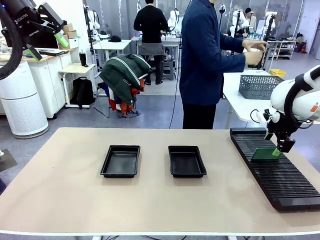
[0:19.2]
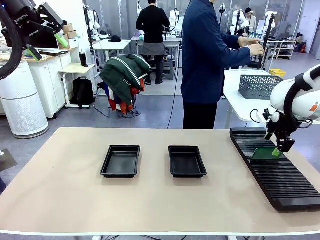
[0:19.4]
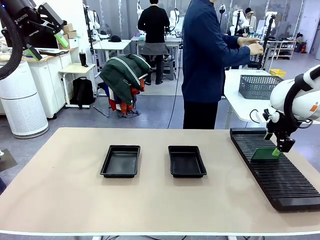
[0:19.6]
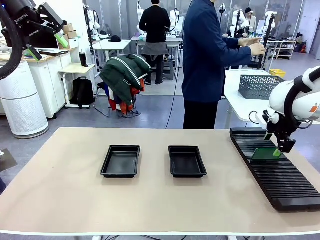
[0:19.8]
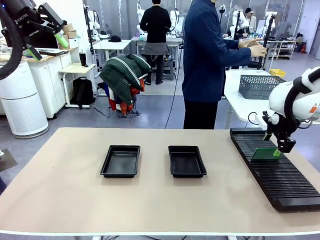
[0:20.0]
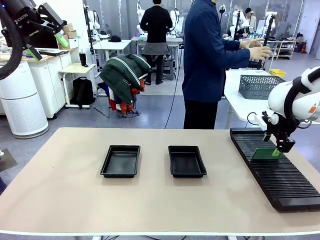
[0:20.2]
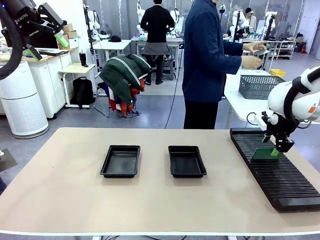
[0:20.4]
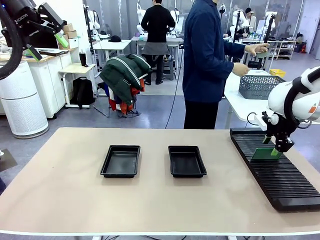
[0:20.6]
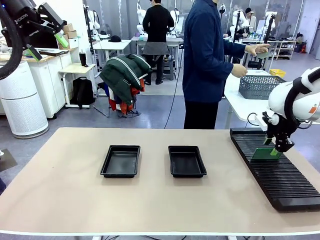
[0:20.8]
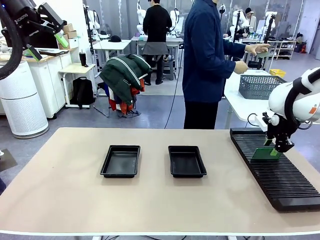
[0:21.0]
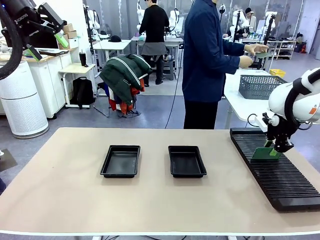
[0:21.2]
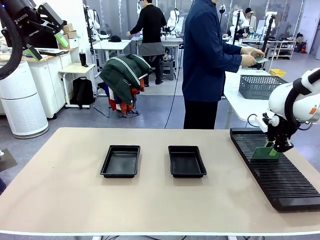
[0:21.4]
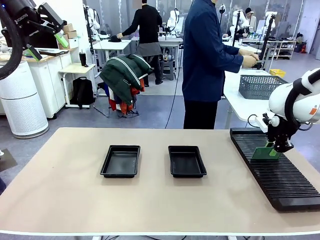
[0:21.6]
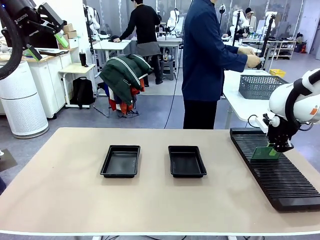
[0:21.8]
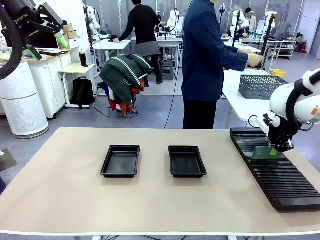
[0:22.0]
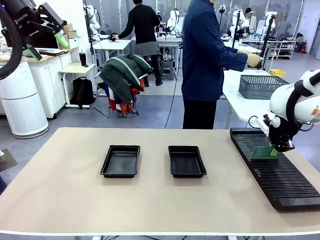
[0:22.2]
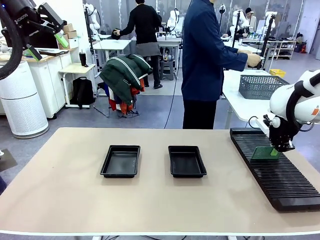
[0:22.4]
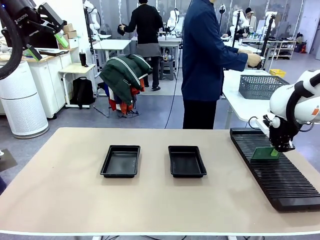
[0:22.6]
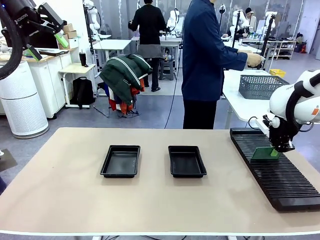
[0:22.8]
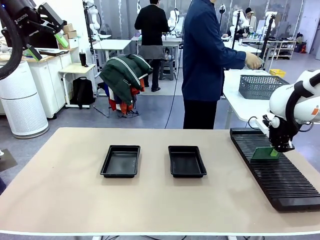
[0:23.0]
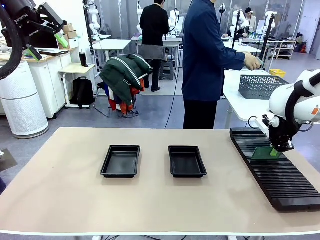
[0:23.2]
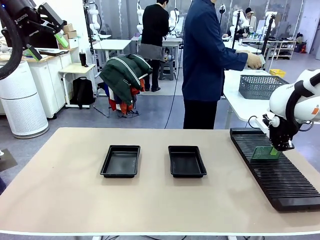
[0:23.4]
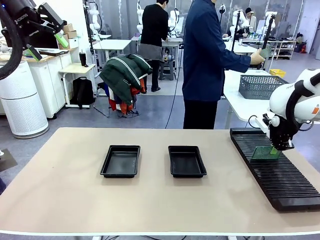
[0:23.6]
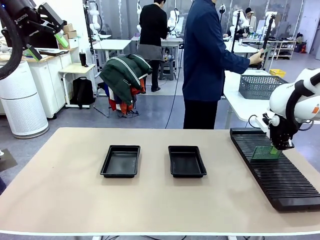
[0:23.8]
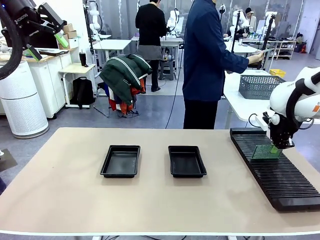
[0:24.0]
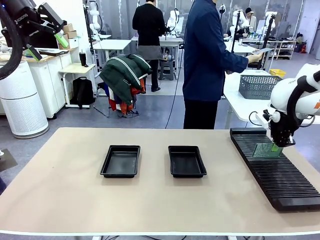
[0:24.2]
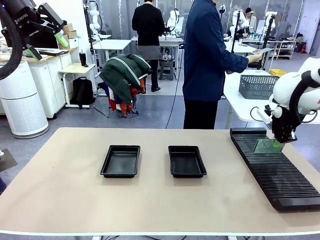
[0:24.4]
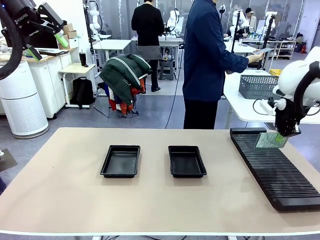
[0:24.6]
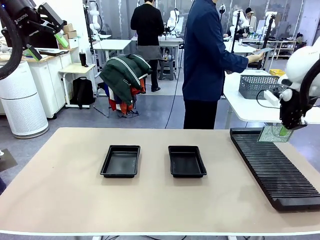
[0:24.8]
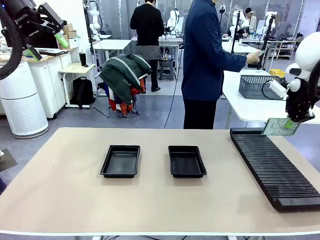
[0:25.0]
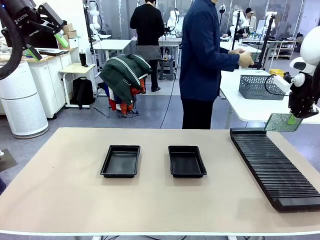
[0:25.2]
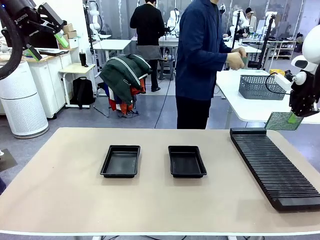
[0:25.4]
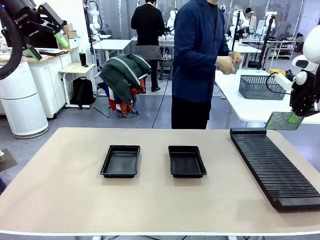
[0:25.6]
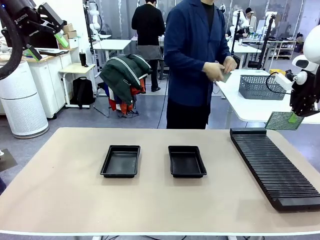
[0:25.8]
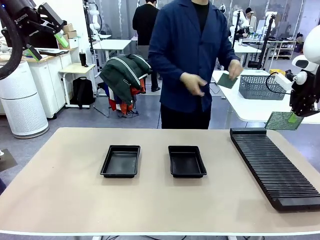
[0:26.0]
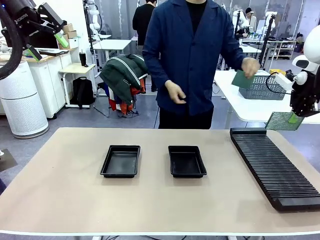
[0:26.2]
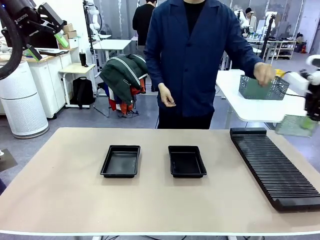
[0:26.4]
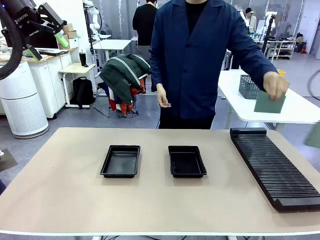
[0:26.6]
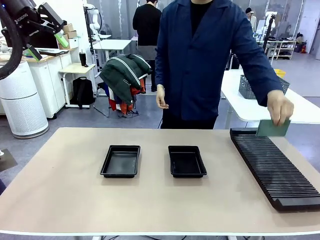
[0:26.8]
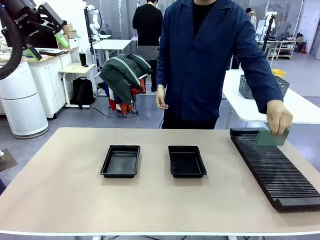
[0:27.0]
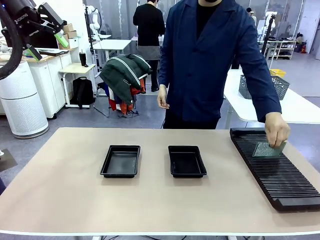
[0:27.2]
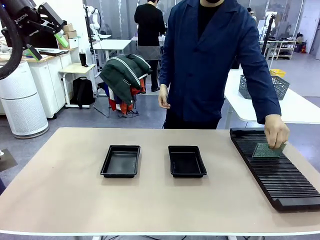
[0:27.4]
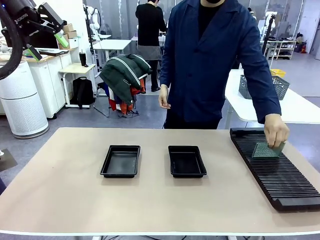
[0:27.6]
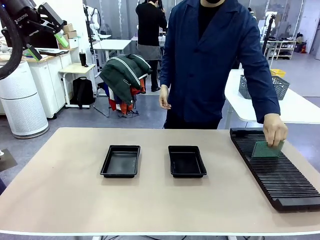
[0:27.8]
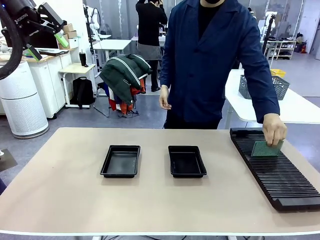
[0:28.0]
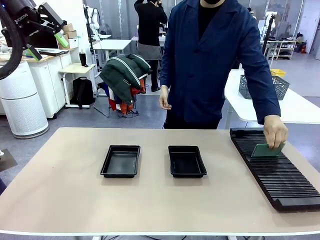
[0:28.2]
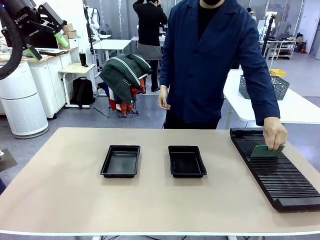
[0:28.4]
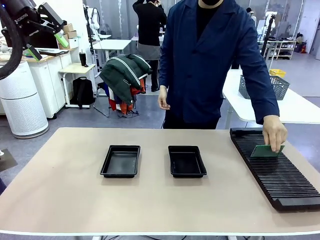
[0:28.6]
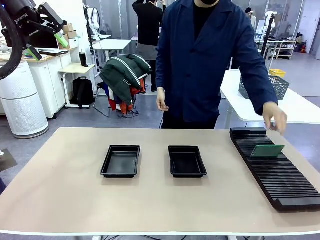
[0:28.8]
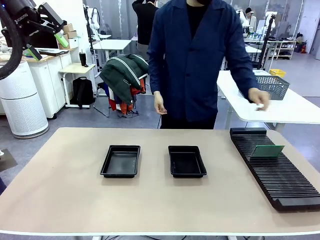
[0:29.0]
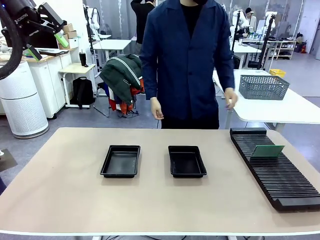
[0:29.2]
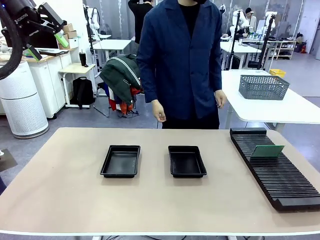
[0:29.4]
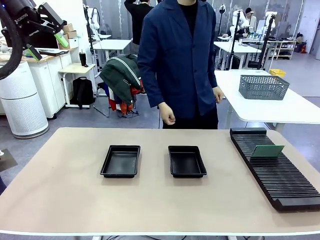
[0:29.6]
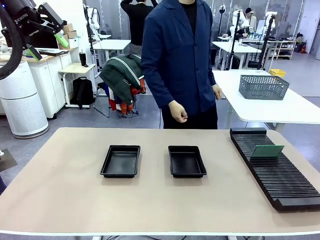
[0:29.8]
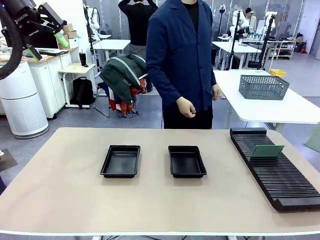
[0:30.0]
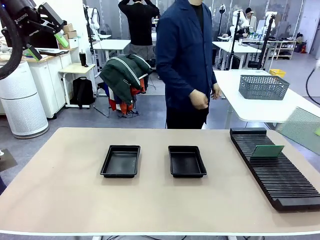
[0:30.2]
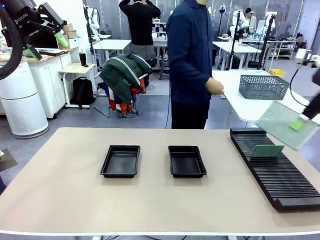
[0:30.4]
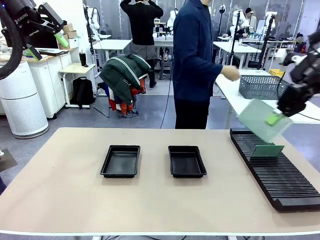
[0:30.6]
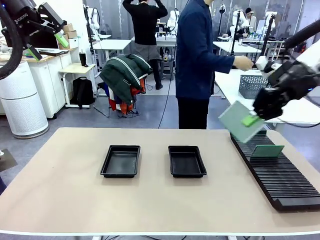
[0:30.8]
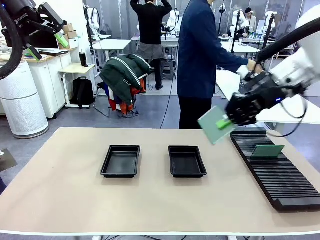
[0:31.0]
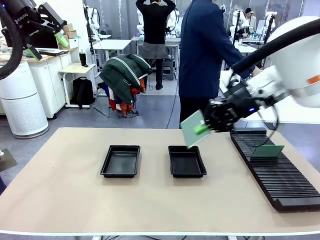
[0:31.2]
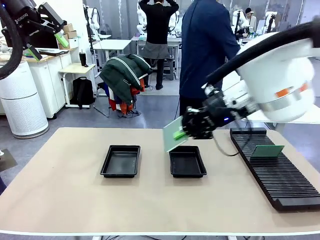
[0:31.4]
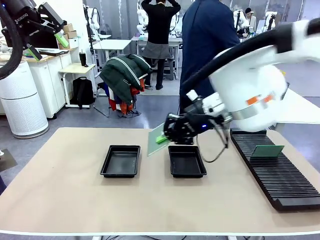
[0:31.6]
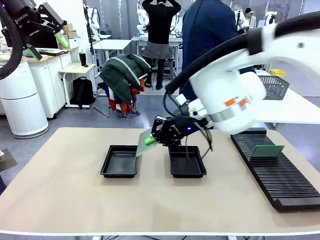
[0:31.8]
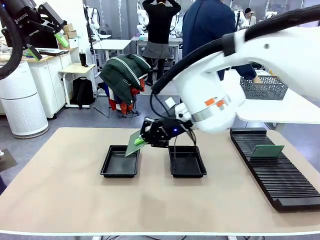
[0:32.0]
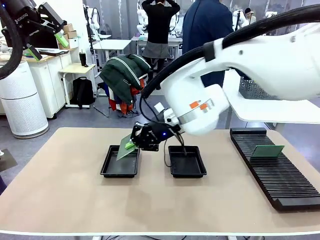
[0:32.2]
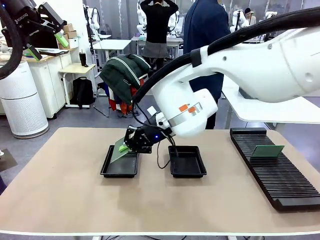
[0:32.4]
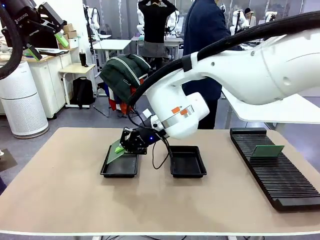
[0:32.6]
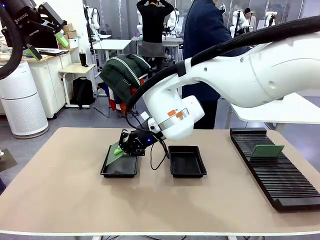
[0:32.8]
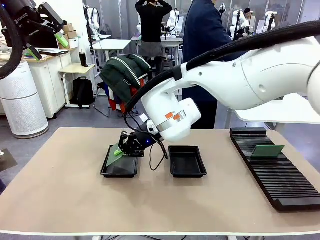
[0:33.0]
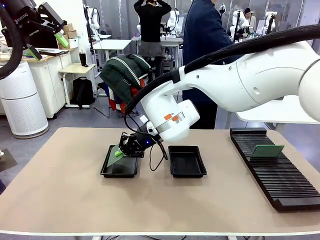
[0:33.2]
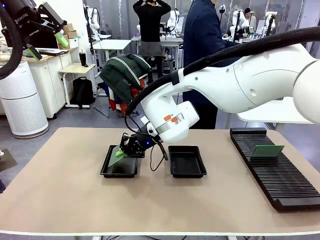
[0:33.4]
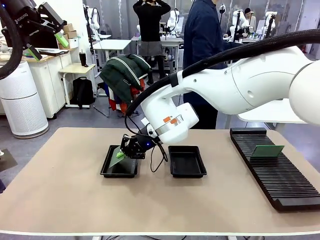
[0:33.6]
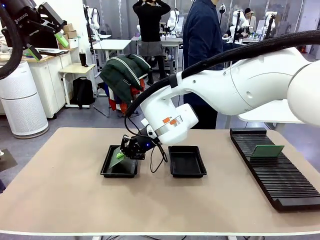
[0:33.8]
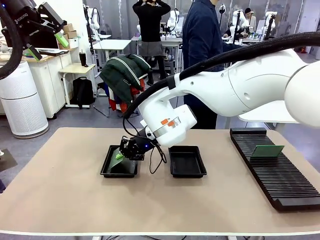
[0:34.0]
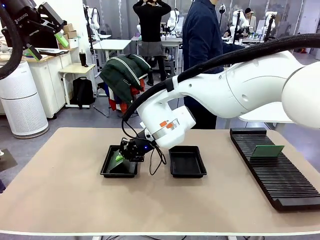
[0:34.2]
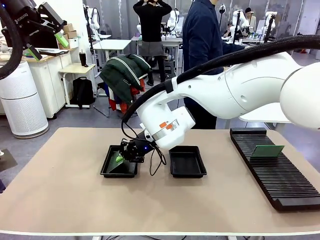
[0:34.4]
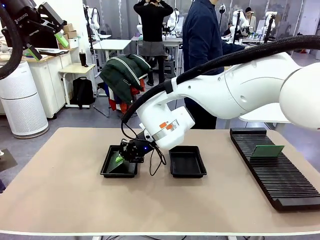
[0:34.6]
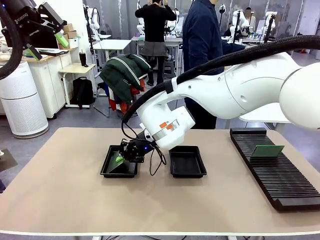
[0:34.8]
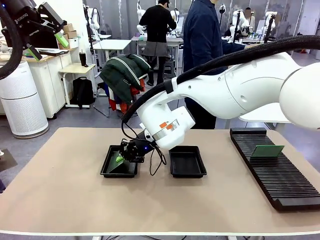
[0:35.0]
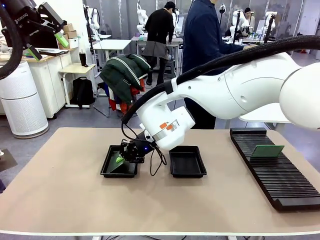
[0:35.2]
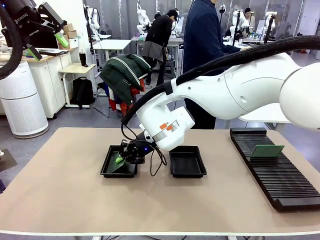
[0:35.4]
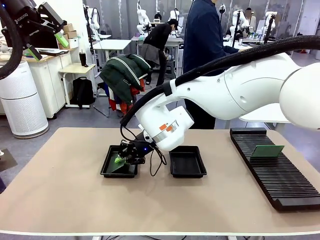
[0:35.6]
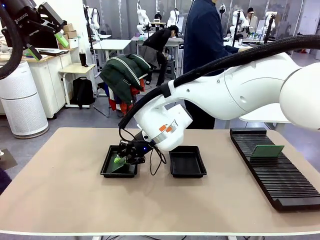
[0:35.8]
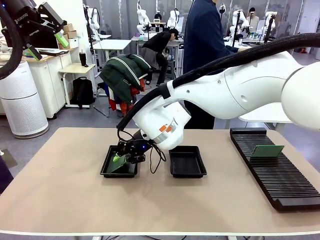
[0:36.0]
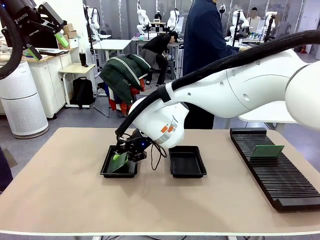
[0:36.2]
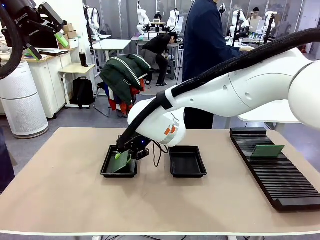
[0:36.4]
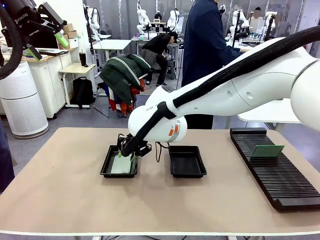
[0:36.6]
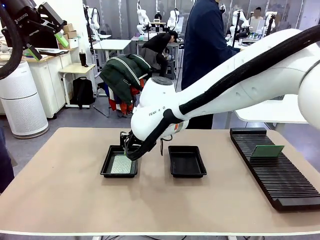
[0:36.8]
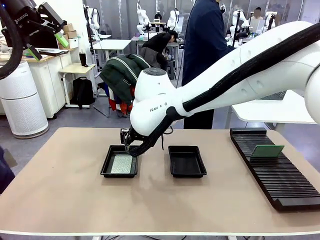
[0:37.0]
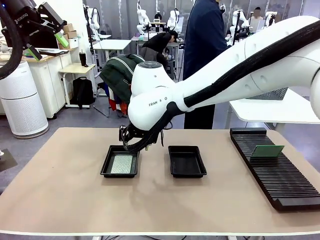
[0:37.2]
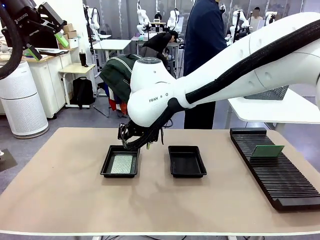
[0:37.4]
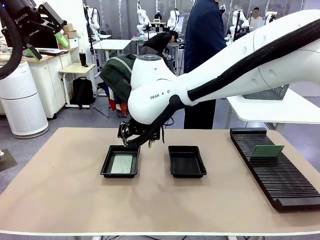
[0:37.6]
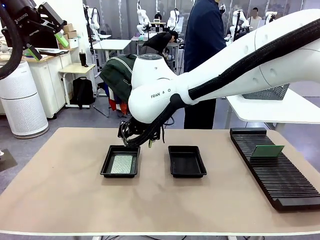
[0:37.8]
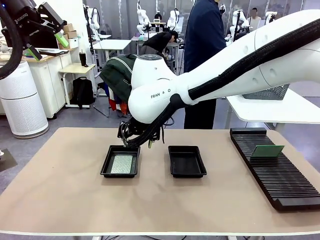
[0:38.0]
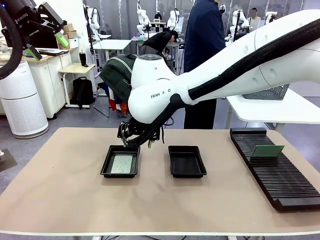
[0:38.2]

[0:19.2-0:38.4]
Task: Inspect and transfer BCBs to ESD trays.
Robot: Pick up the Blank PCB from the PCB Rack and place it in the left ESD tray.
